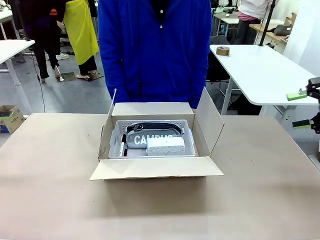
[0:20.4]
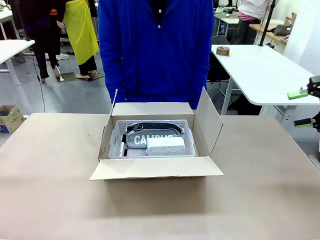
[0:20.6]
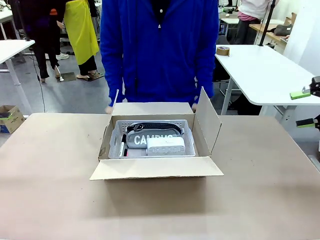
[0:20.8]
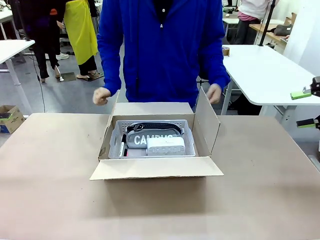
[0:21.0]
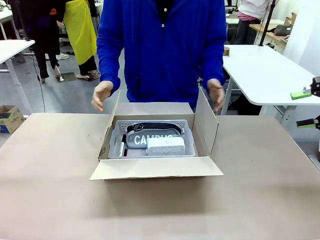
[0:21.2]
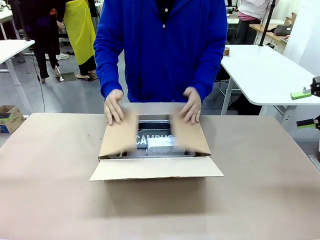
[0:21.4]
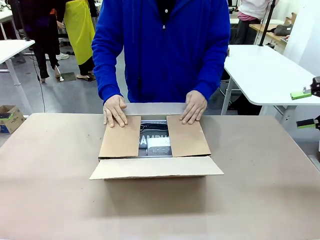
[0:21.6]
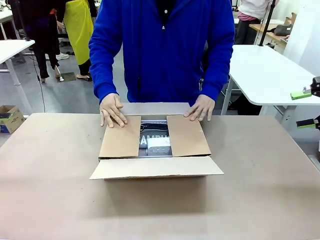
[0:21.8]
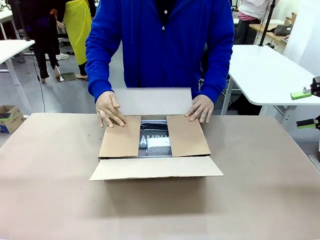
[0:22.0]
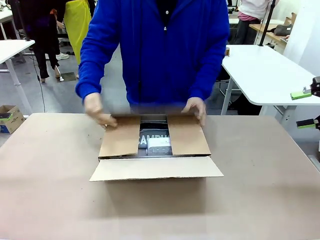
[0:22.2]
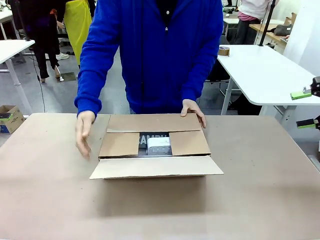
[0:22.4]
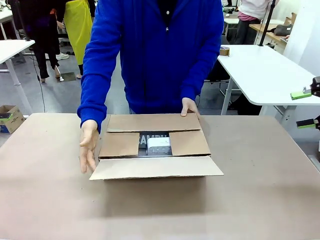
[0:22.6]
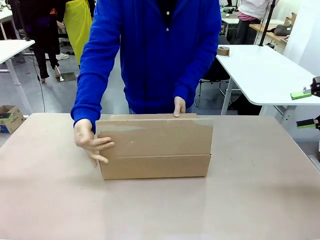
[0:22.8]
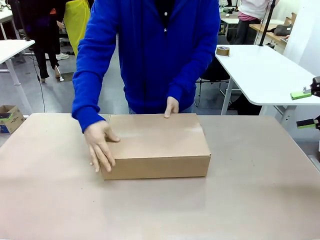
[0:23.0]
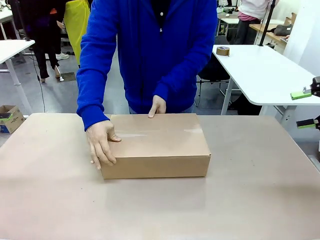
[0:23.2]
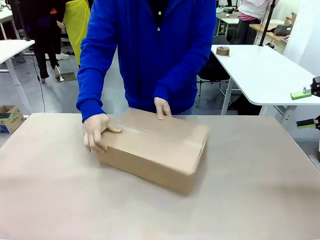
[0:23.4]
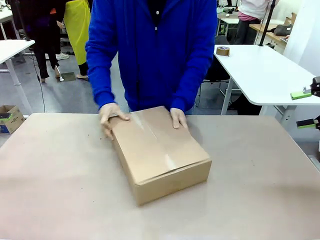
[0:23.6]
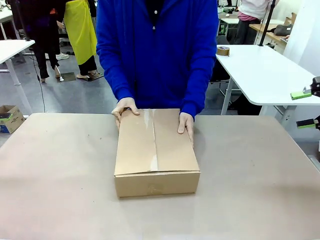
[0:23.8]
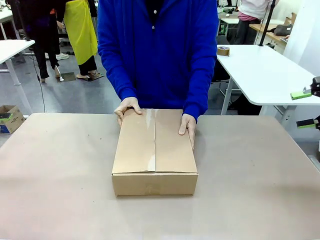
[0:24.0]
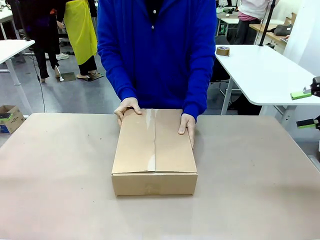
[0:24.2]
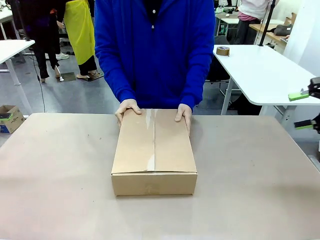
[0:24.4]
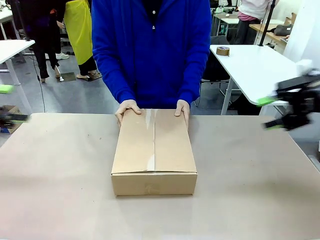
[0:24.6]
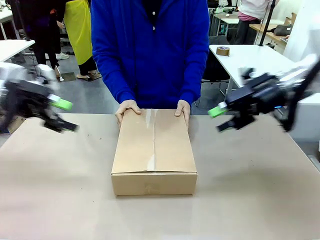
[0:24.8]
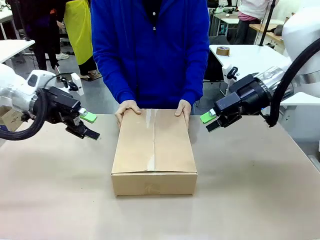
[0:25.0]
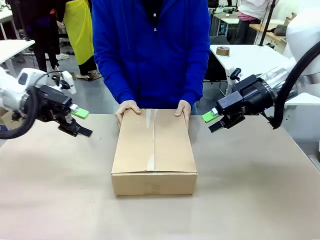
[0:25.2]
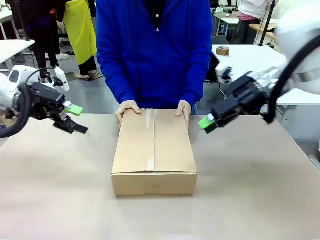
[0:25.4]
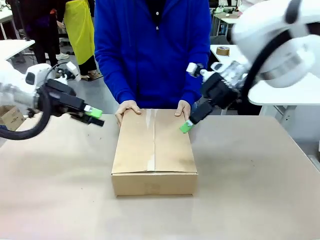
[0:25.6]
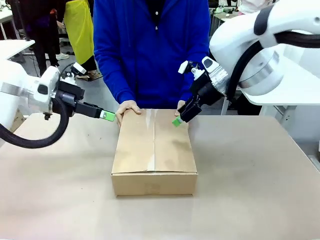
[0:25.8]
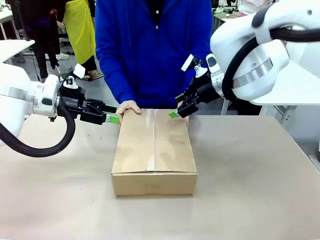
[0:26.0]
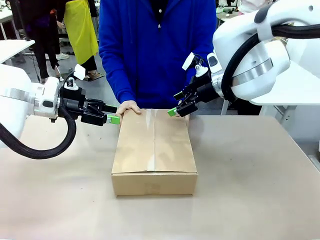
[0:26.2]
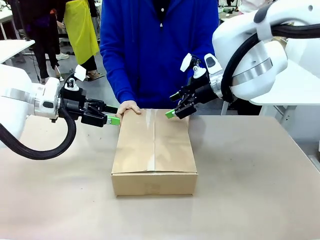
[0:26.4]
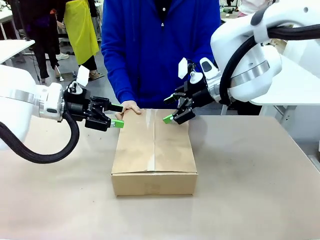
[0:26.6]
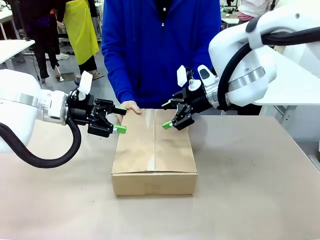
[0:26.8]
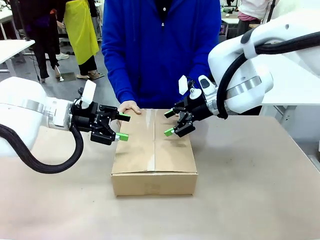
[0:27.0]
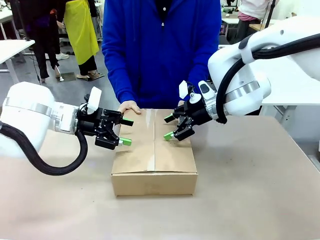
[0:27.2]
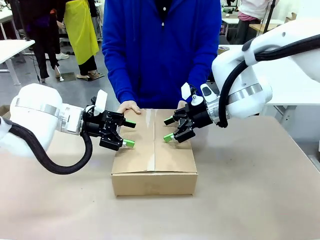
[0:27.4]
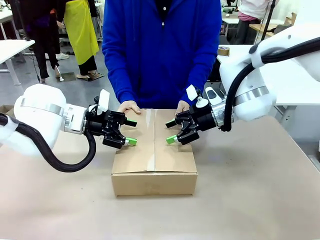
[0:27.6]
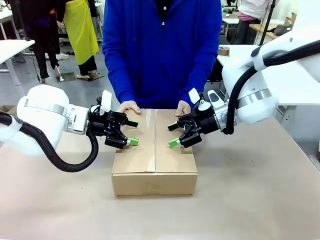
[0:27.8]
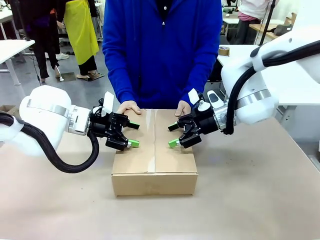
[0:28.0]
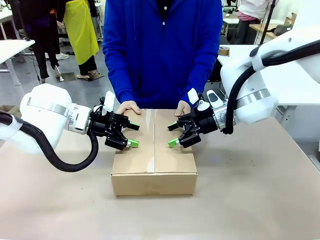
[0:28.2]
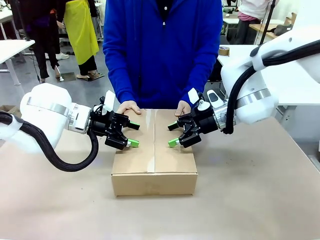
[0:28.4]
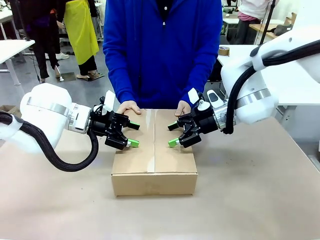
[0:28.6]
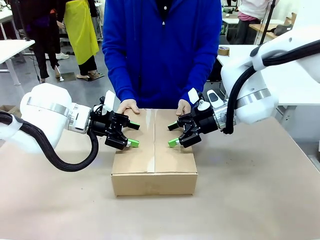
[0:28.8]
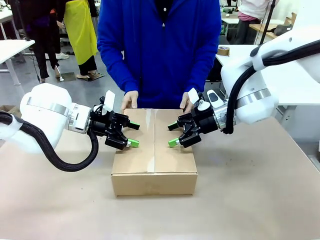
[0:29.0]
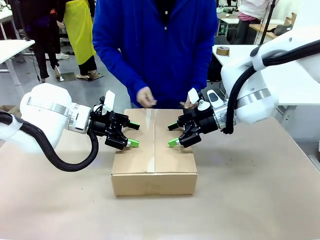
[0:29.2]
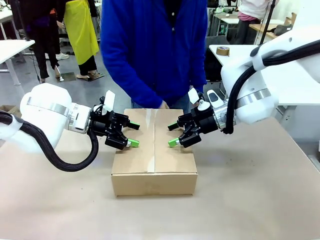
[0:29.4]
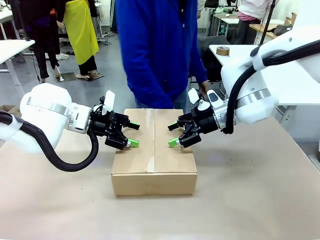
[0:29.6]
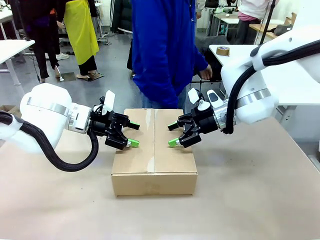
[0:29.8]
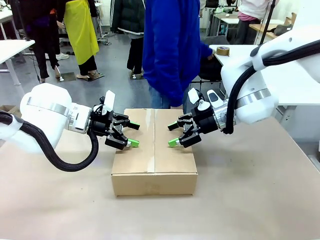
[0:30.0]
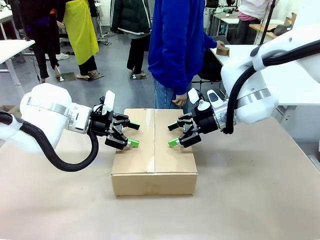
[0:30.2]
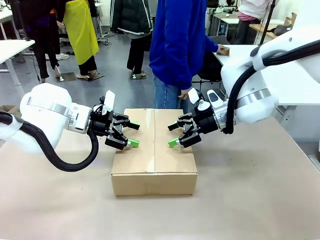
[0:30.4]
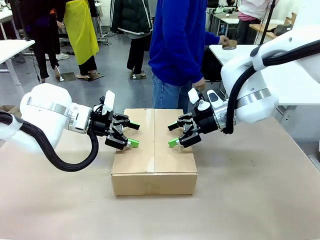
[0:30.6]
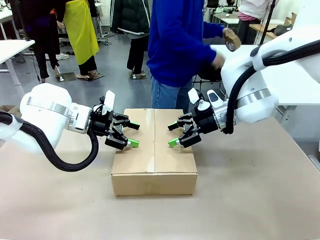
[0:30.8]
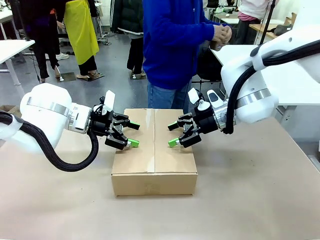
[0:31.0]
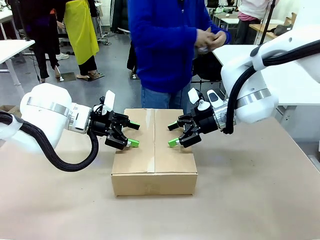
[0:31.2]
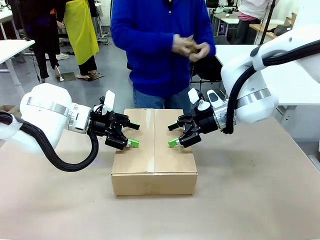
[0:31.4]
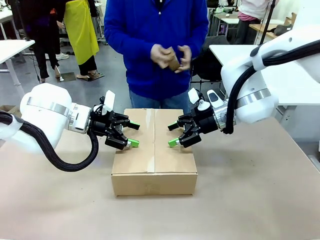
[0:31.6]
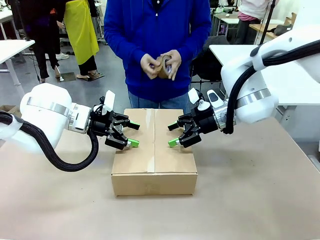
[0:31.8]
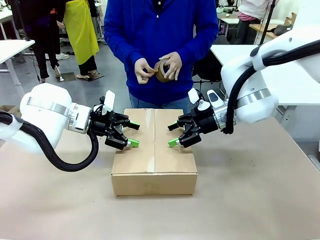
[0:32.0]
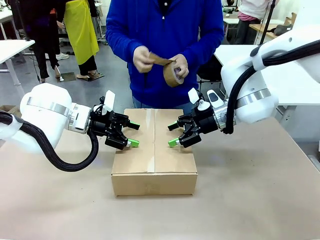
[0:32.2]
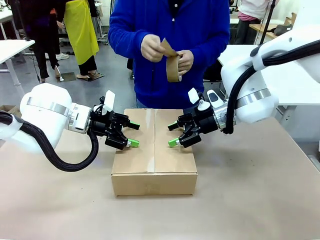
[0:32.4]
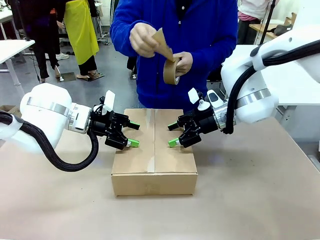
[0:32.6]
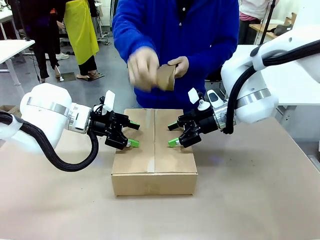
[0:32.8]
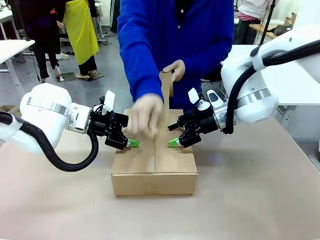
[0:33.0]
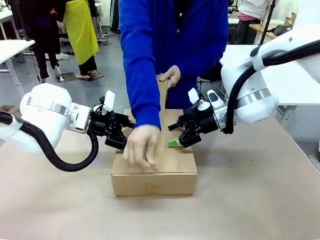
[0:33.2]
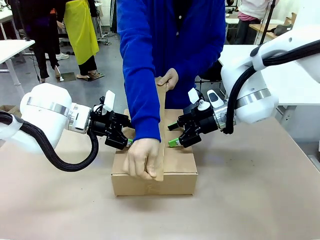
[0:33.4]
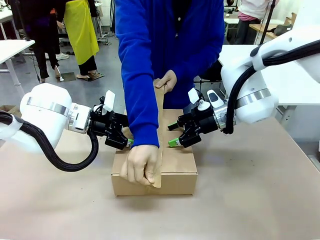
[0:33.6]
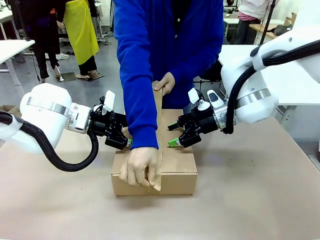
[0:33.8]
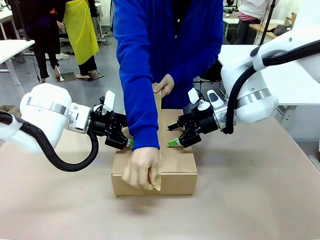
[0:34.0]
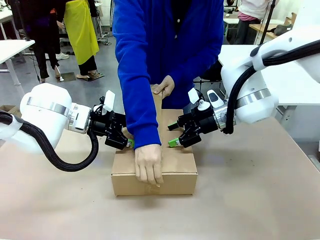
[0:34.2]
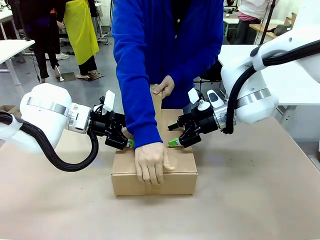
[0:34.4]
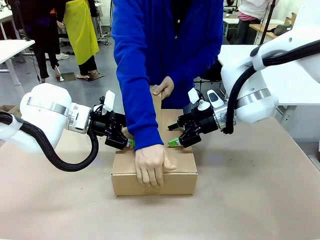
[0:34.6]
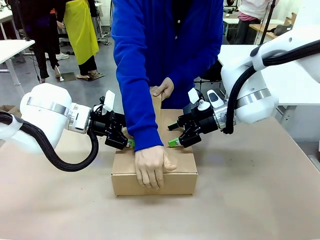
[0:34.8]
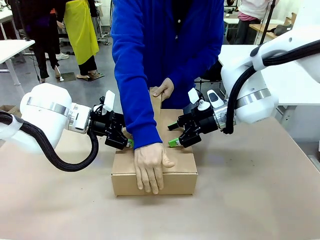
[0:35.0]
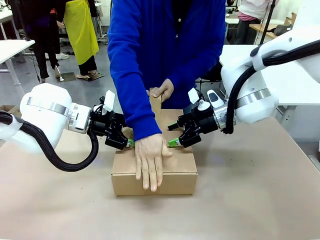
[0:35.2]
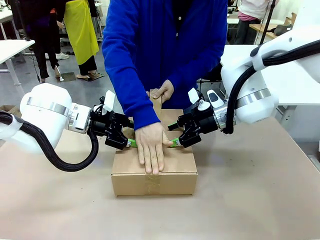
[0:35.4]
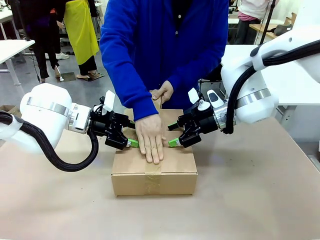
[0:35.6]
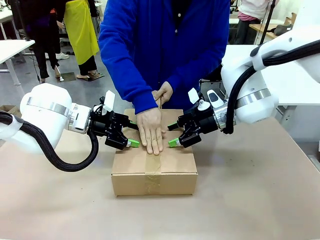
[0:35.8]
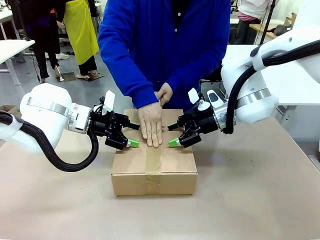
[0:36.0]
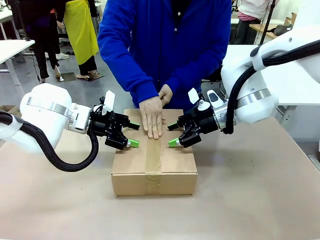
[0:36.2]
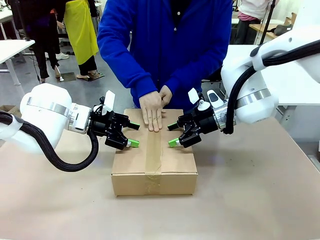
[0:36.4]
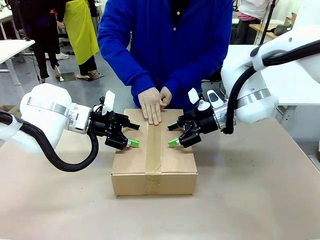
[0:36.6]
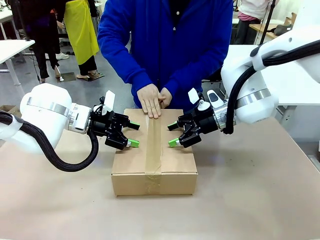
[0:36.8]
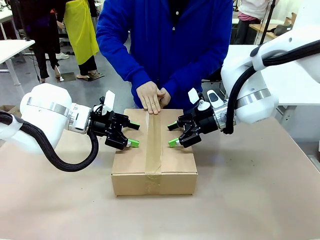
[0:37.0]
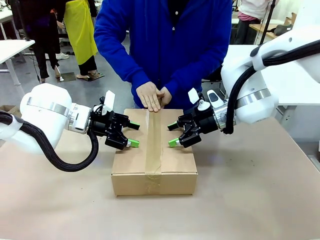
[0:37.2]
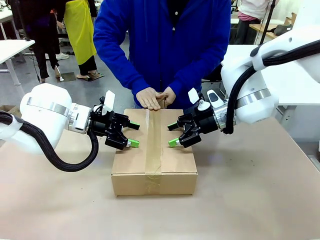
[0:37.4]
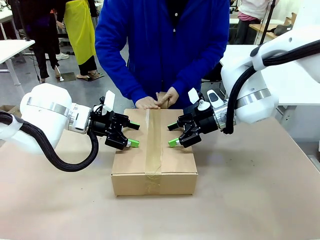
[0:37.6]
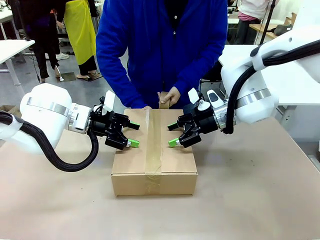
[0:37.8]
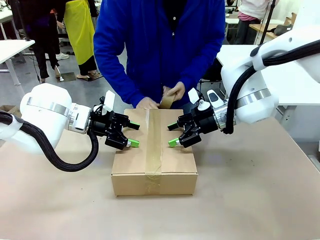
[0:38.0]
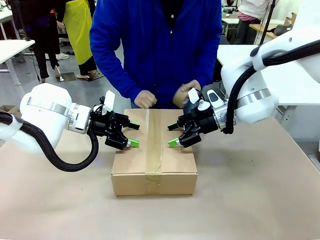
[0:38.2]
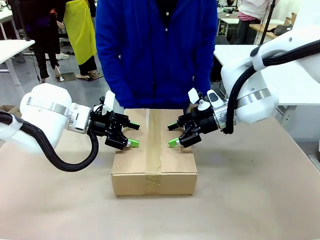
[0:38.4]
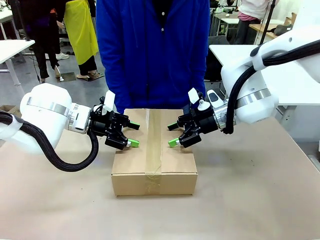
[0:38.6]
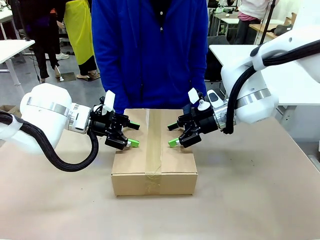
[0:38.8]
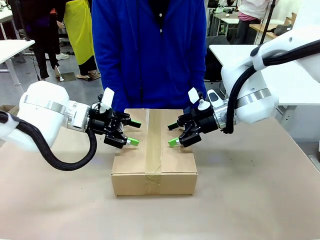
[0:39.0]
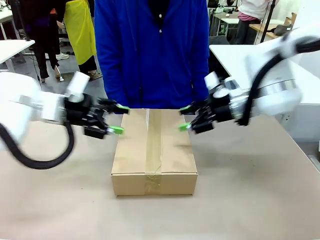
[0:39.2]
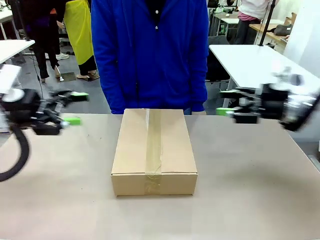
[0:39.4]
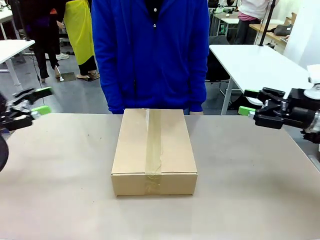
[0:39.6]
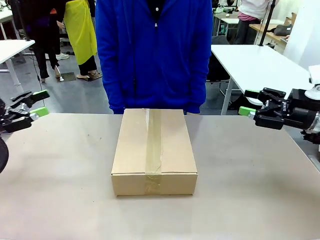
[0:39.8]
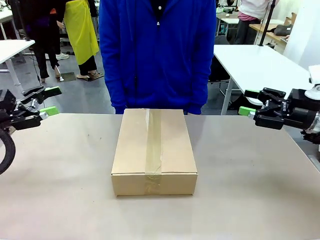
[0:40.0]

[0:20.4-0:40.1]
Task: Pack the gift set into the box.
Robot: Press and hold the closed box until the human finishes sealing it.
Person: The human closes the box and rotates the box by 90 degrees. The human picks up the paper tape from the human table and packs the box.
